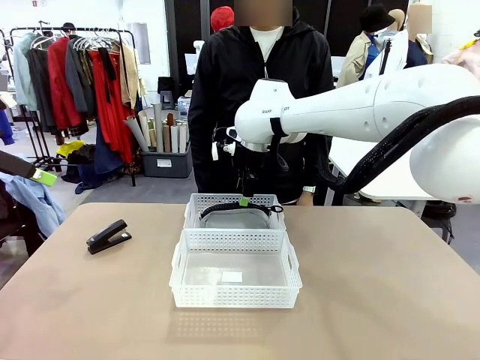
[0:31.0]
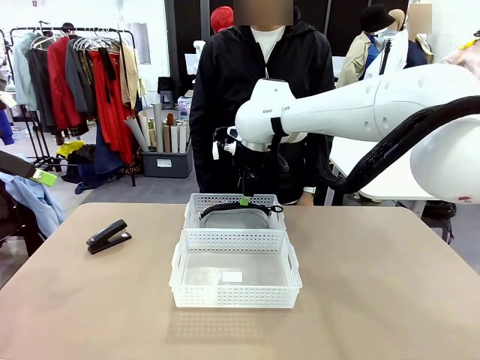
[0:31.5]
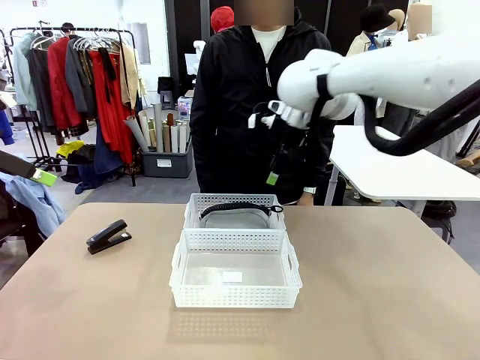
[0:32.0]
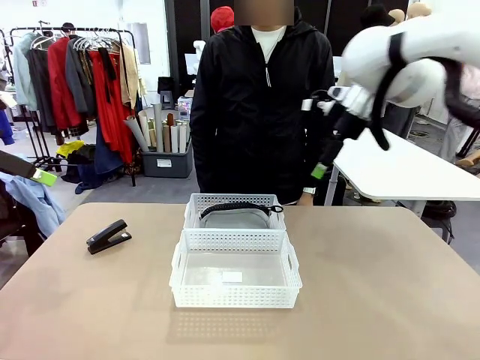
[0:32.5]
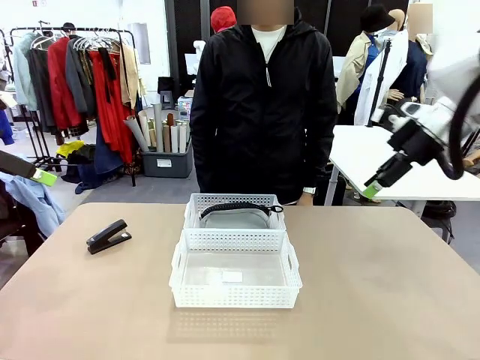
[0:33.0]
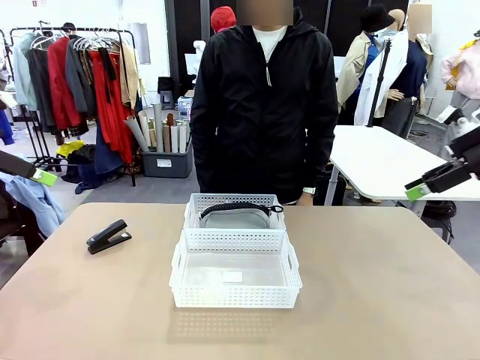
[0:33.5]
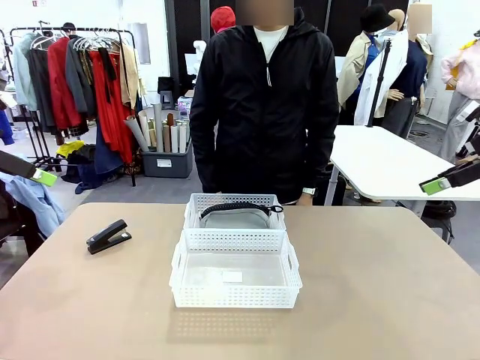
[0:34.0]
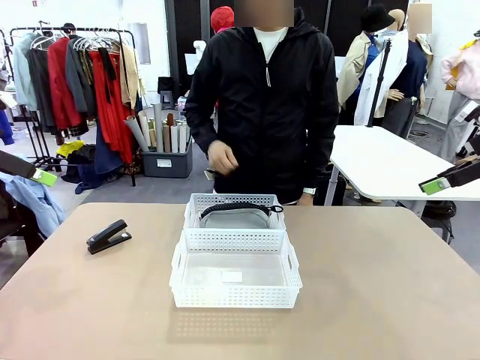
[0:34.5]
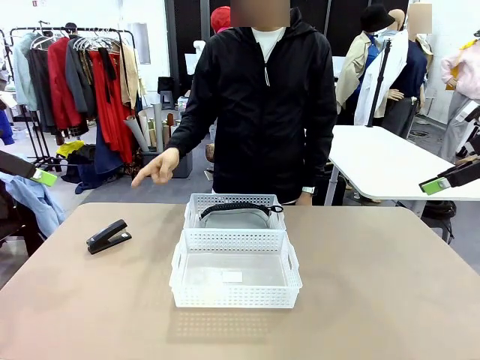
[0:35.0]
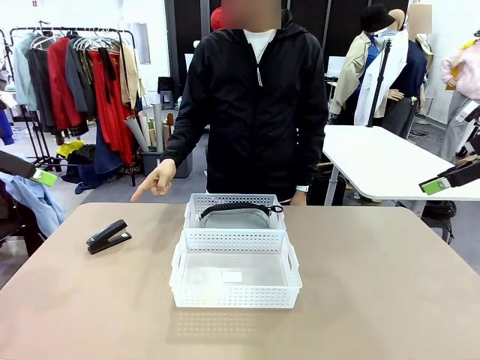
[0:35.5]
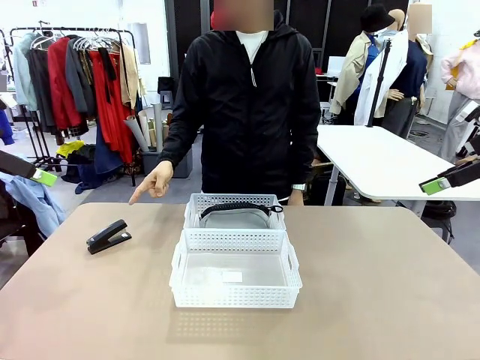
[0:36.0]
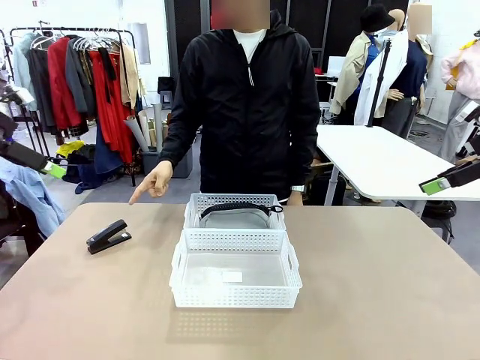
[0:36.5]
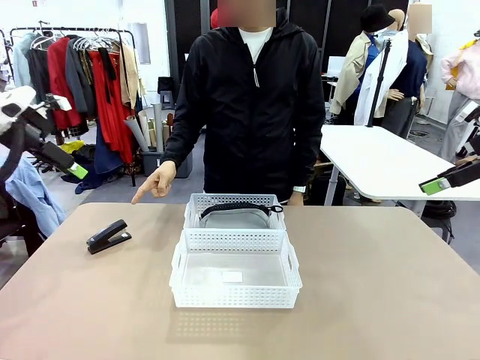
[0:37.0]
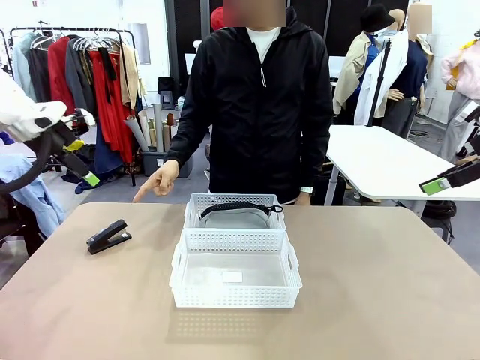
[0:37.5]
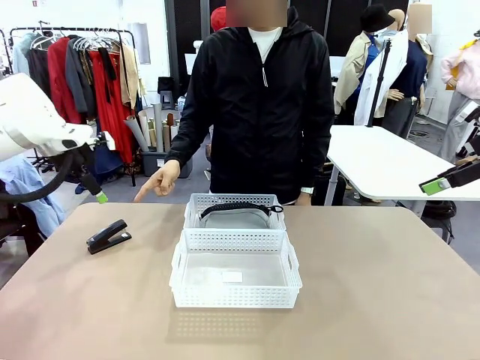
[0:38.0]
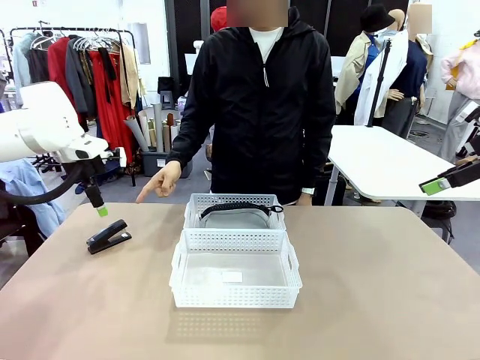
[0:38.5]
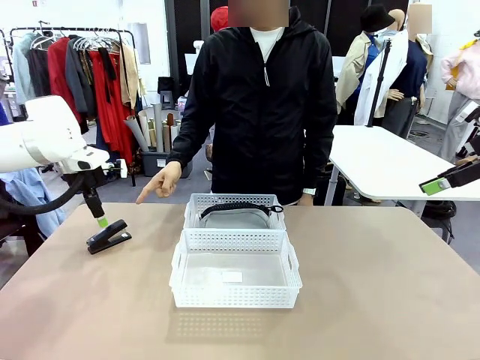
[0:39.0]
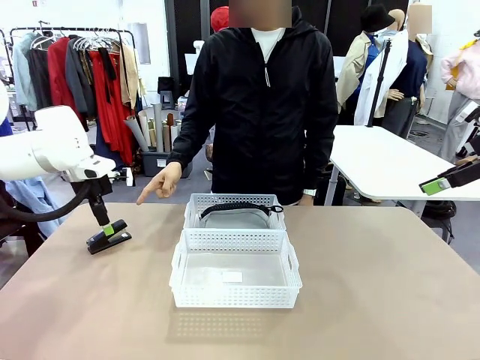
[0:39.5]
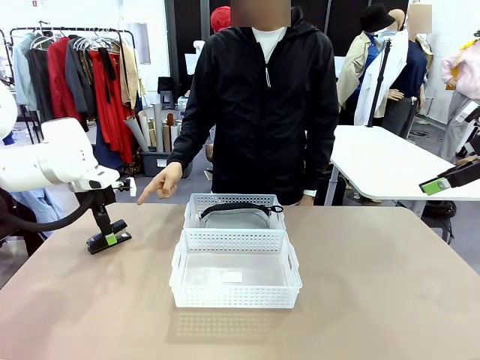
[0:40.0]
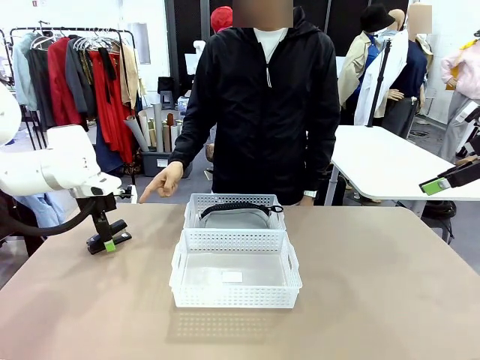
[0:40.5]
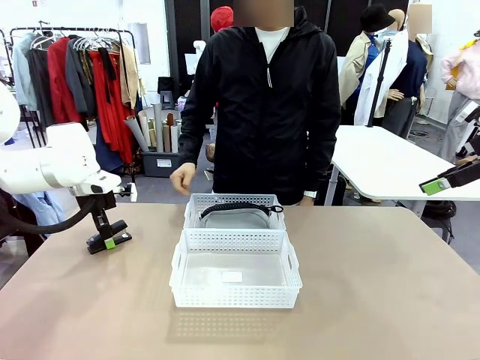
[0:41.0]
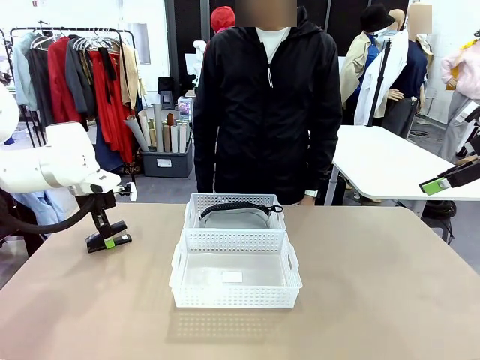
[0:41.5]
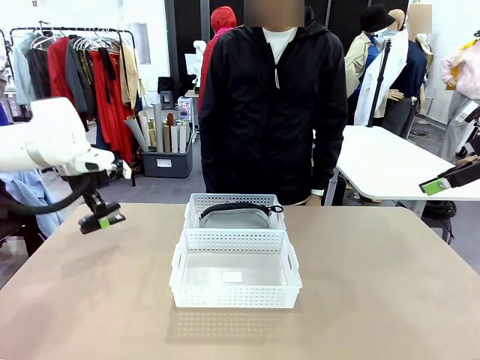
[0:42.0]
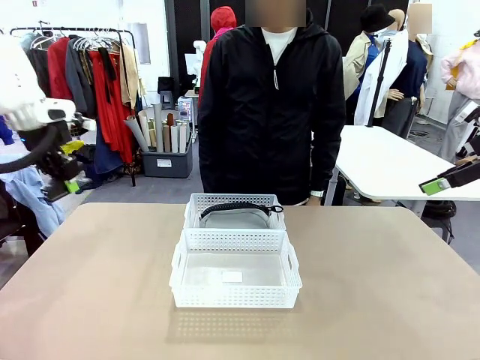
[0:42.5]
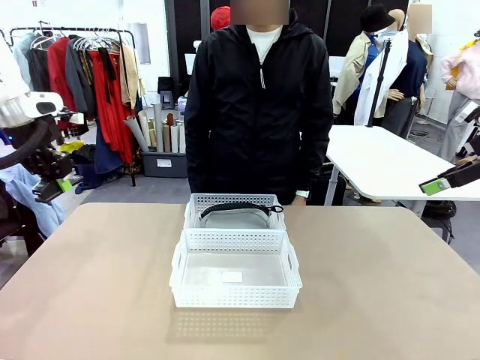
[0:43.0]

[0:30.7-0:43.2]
Task: Distribute items into two baskets.
Robot: Pick up the Stapler that the person points to.

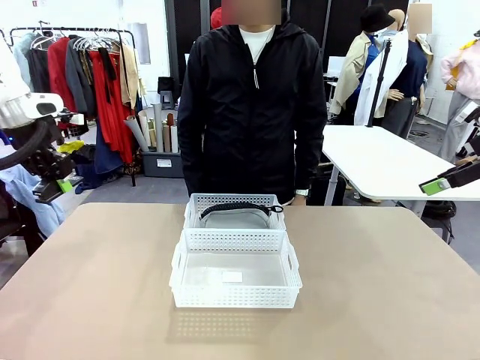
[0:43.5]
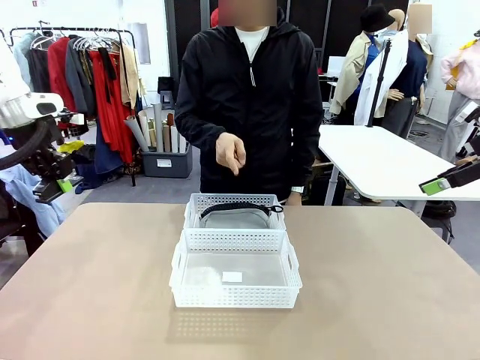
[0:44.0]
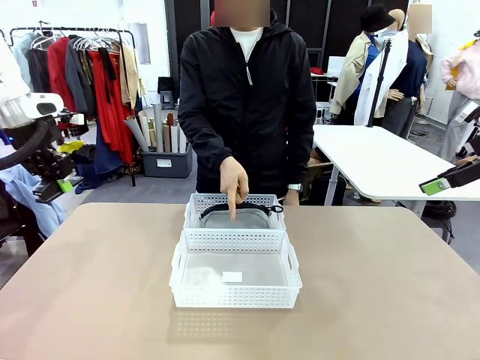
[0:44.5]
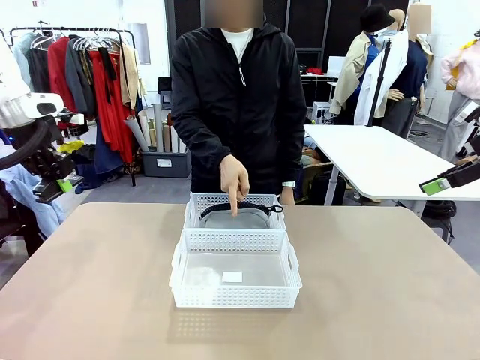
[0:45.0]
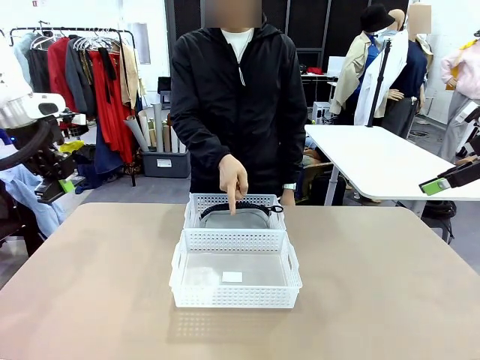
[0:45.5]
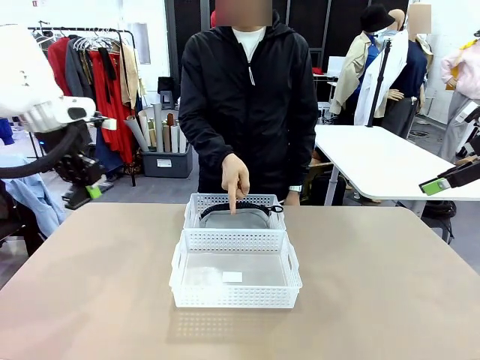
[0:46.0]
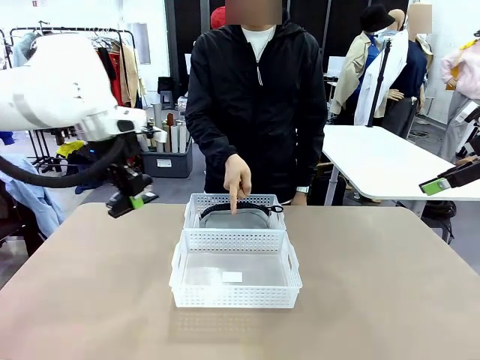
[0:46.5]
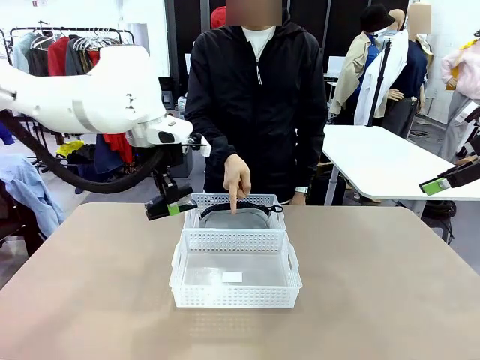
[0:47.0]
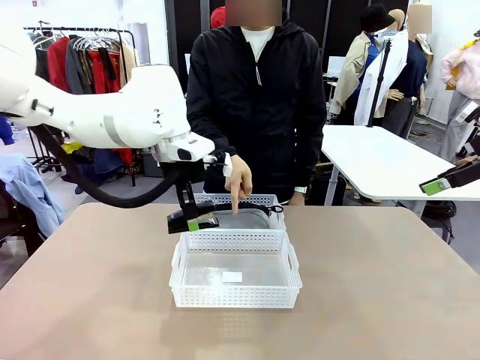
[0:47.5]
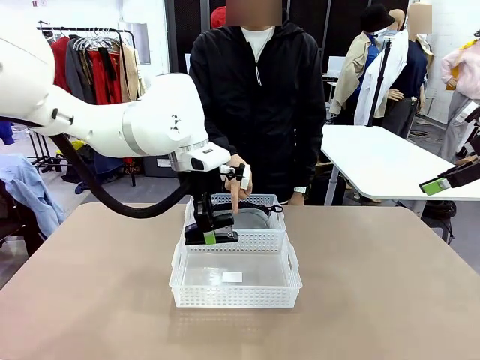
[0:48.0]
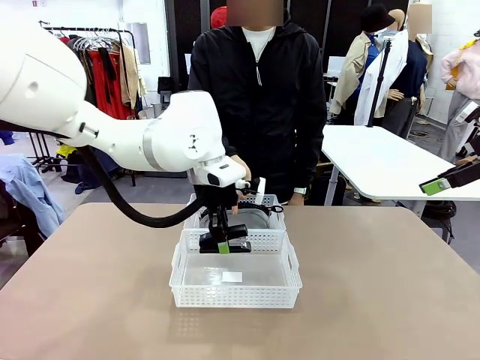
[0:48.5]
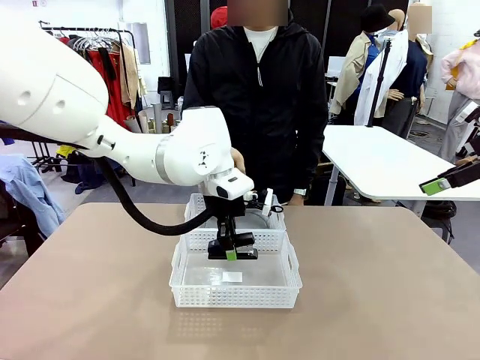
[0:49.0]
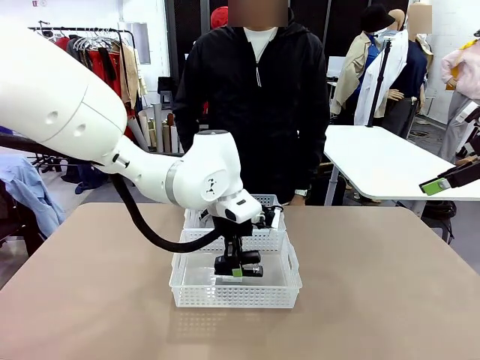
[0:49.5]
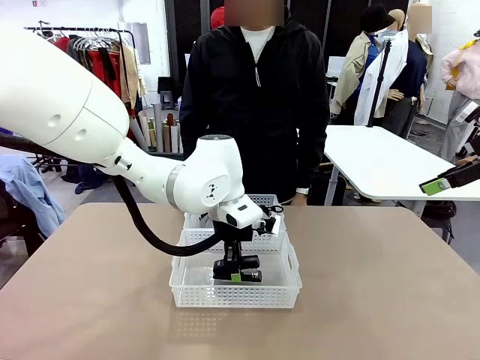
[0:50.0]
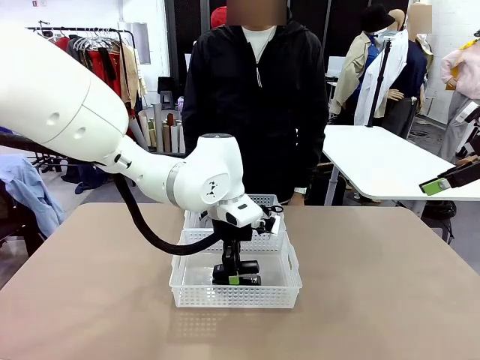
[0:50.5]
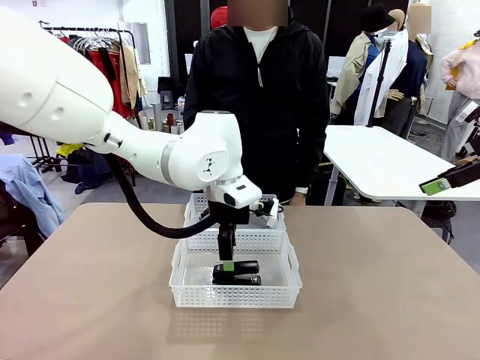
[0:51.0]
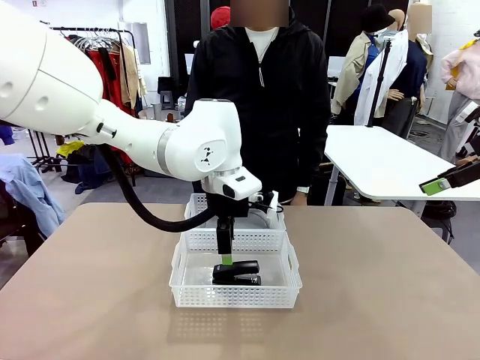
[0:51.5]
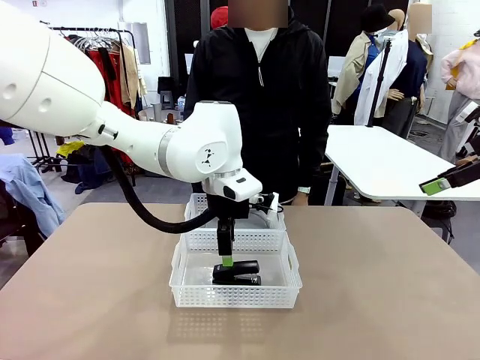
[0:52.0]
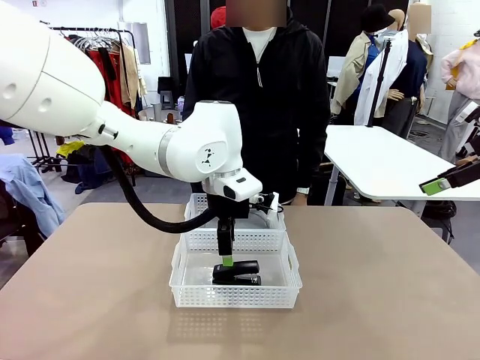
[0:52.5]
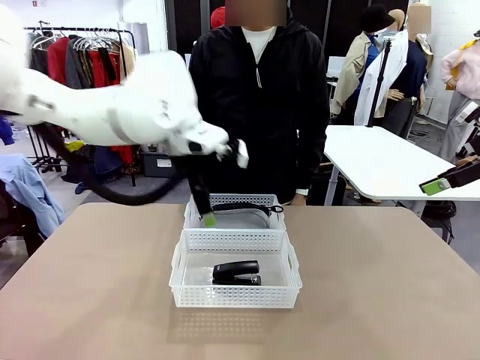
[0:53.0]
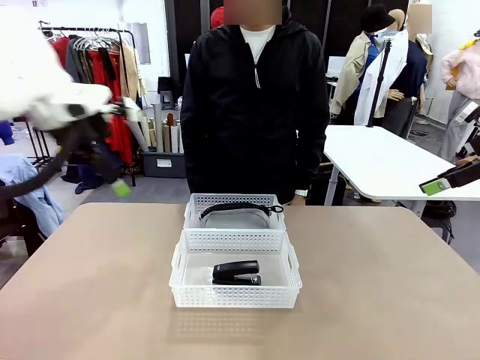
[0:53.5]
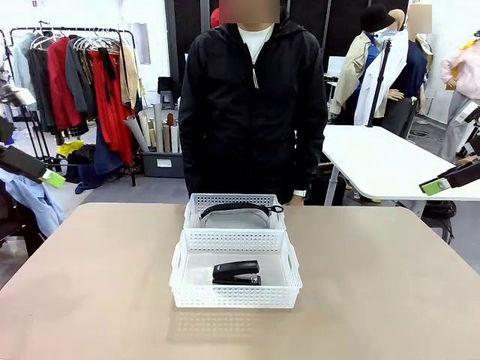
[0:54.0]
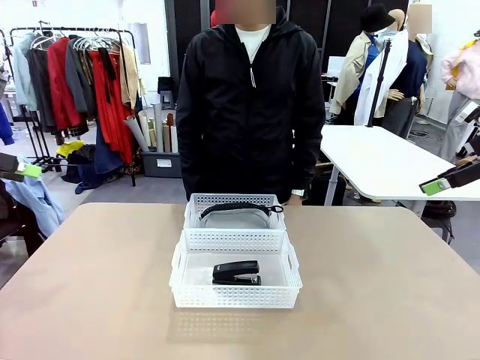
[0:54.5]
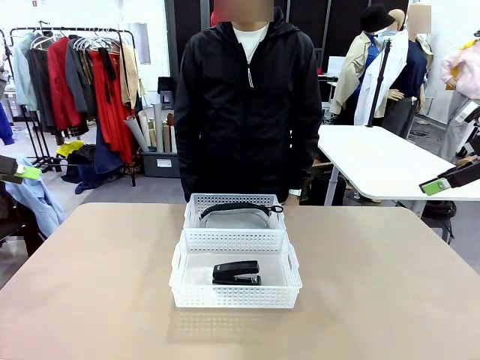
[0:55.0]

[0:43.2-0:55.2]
Robot: Place the picked Stapler into the Organizing basket as instructed by the person.
Person: Points to the basket that does not contain the pencil case and instructs the robot to move the stapler there.
